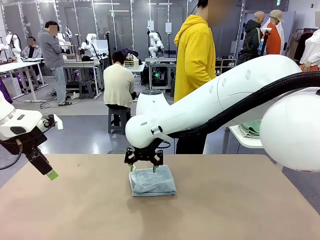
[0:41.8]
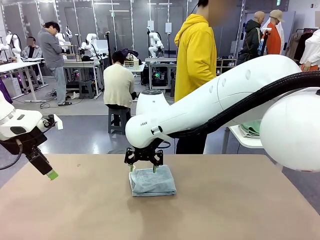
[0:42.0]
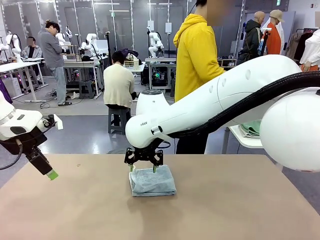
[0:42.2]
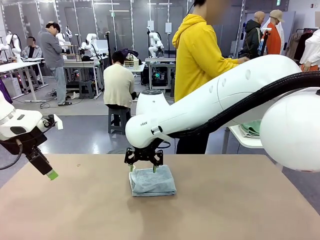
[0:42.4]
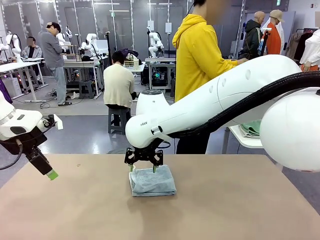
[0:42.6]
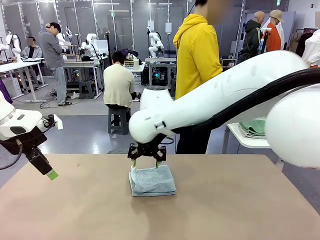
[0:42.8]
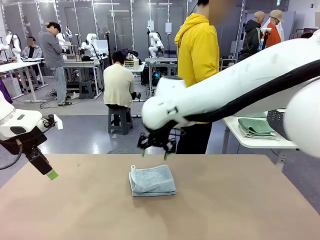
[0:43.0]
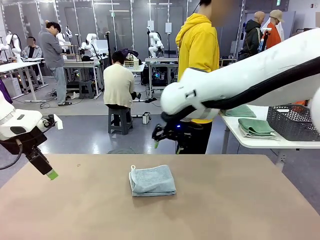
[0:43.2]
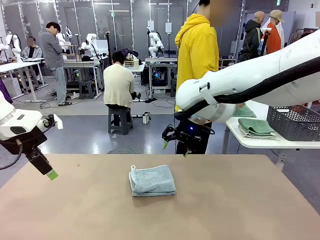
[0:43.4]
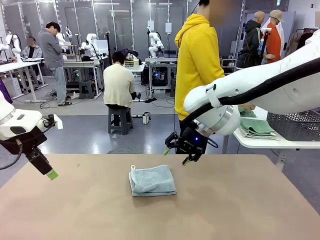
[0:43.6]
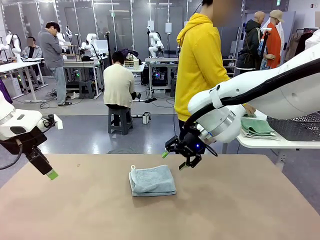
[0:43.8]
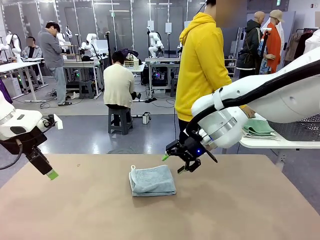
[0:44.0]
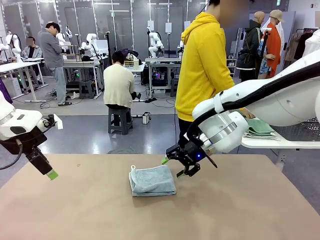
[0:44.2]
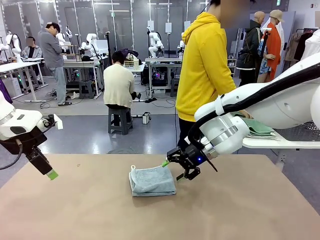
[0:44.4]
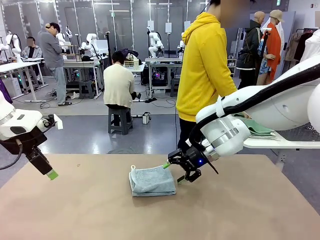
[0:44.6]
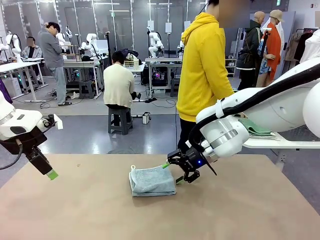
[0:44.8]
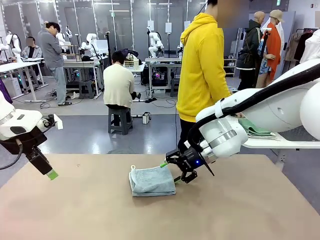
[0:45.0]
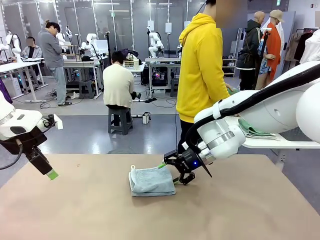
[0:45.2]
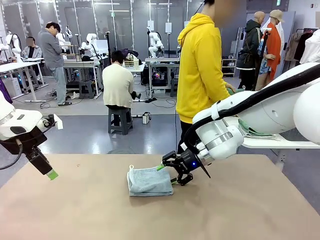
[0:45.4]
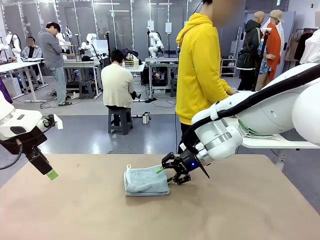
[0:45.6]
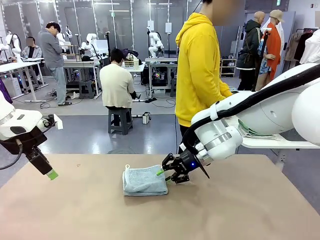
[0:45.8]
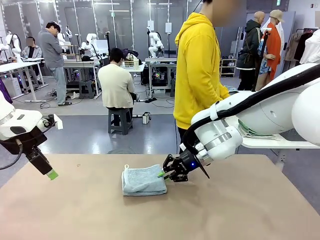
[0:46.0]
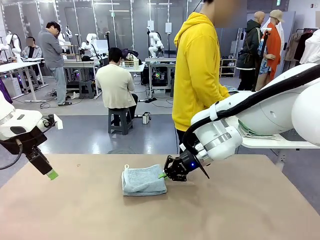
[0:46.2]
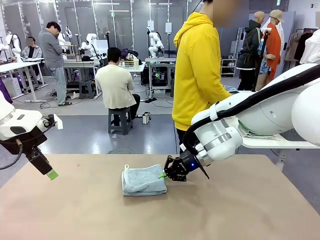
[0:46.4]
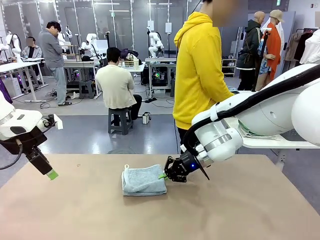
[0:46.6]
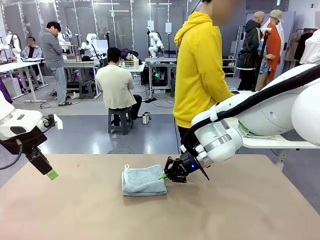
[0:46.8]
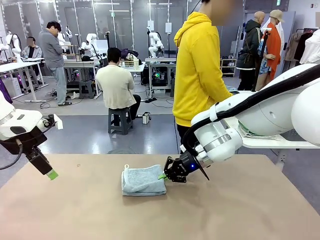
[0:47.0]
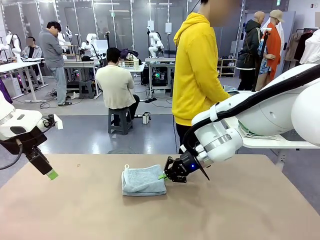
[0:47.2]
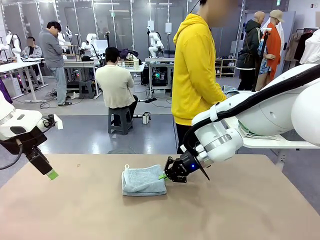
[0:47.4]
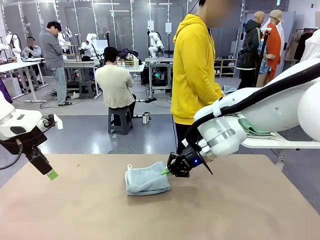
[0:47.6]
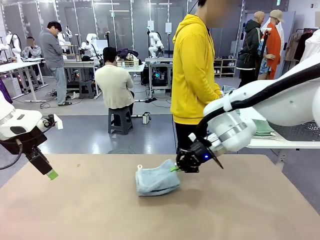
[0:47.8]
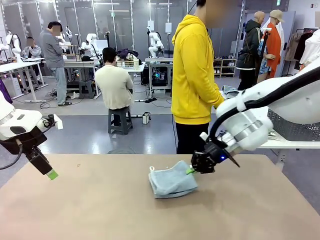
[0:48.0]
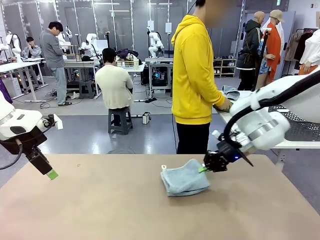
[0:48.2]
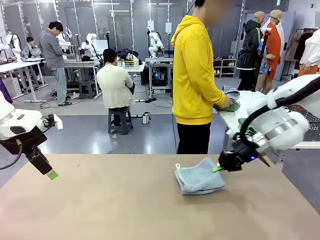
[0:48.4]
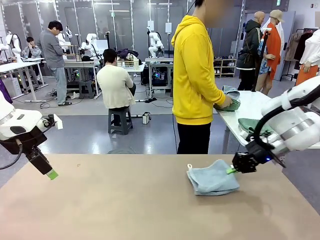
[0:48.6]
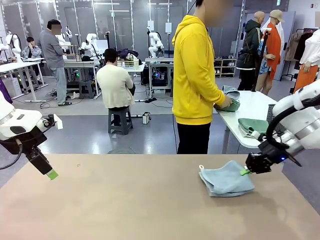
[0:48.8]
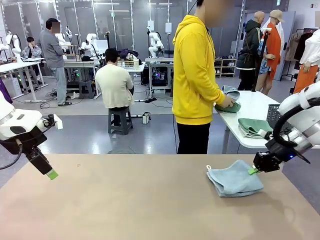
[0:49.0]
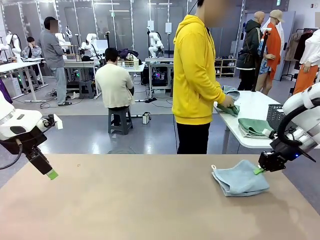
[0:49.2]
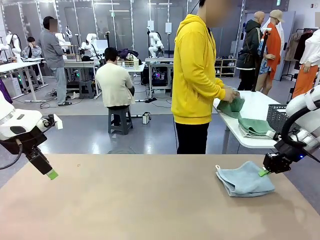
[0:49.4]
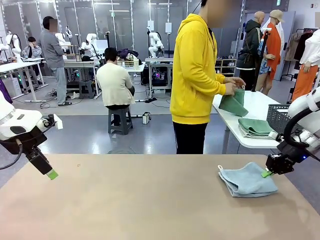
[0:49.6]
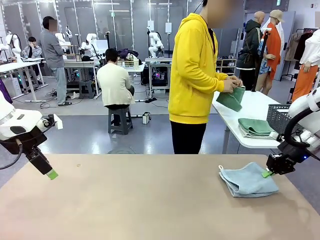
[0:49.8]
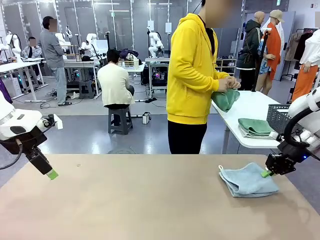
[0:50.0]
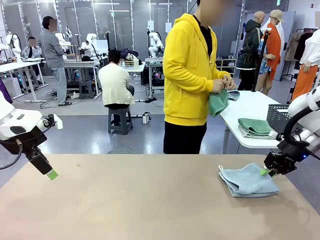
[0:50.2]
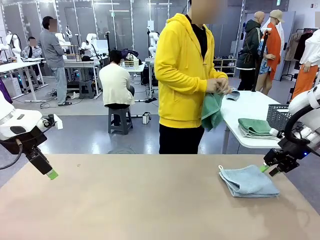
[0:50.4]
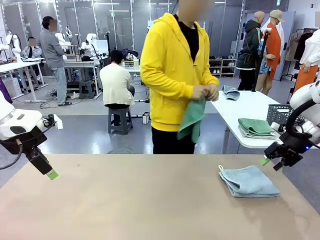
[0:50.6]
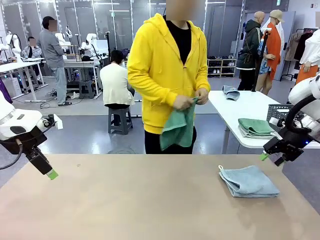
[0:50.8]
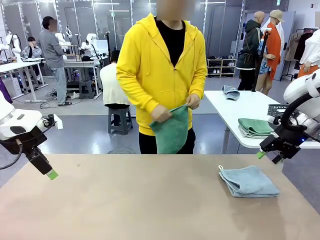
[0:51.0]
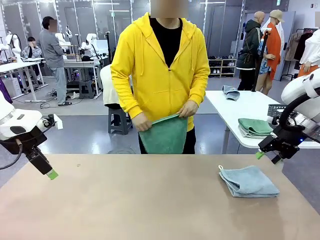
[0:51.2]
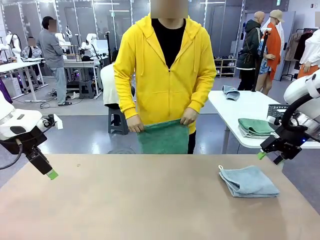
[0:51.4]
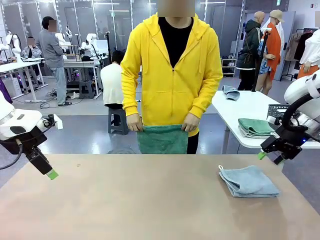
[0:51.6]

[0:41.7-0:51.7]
Task: Fold the towels and place them in the basket.
Robot: Place the folded Towel with hook on the right side of the table.
Person: Pick up one towel from the left side of the human table and spread it out at the center of the robot table.

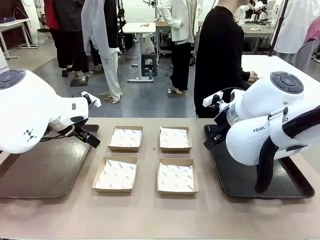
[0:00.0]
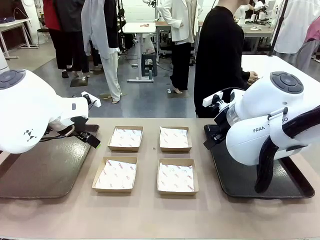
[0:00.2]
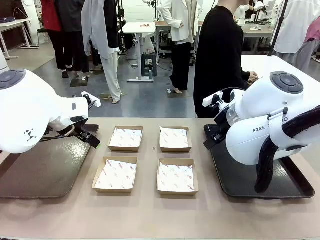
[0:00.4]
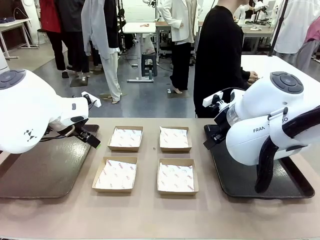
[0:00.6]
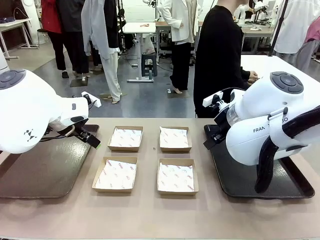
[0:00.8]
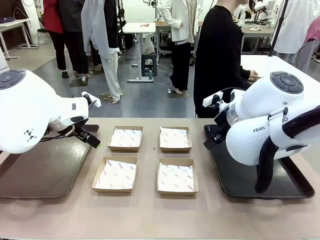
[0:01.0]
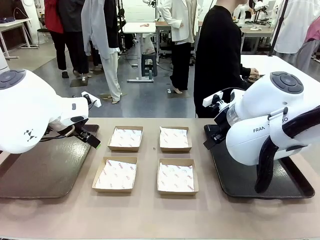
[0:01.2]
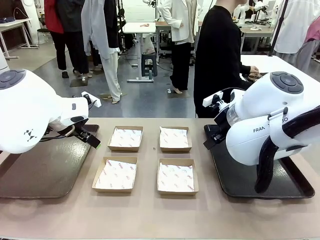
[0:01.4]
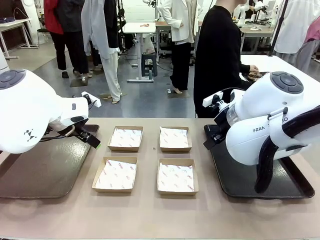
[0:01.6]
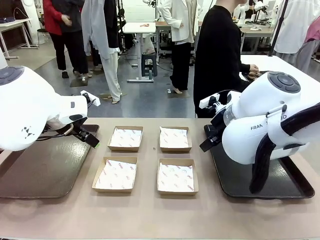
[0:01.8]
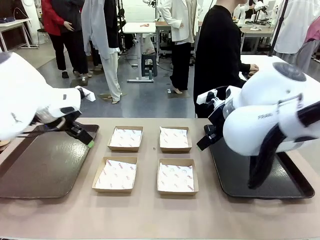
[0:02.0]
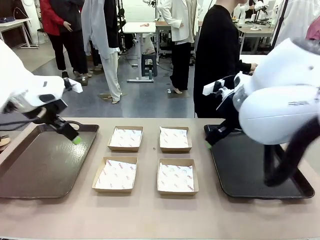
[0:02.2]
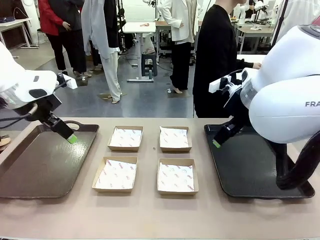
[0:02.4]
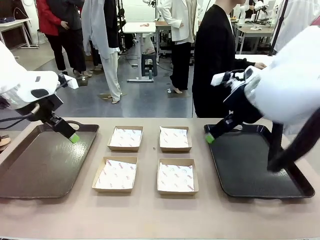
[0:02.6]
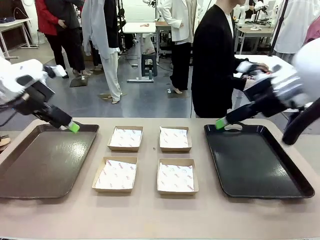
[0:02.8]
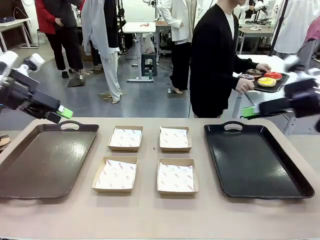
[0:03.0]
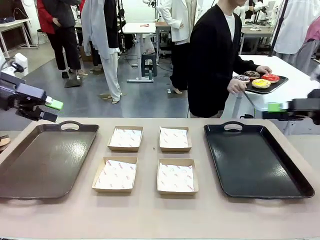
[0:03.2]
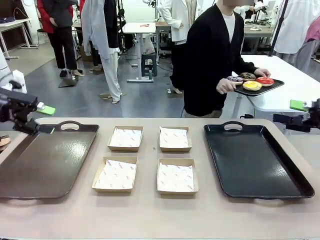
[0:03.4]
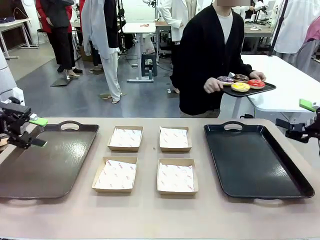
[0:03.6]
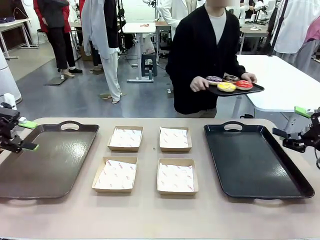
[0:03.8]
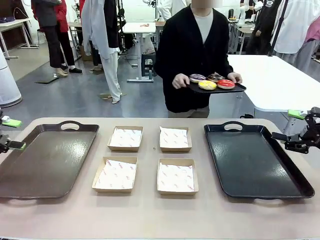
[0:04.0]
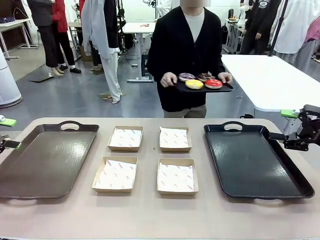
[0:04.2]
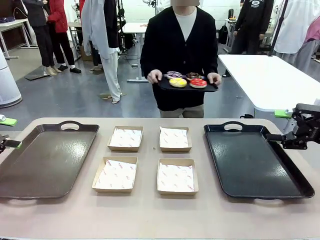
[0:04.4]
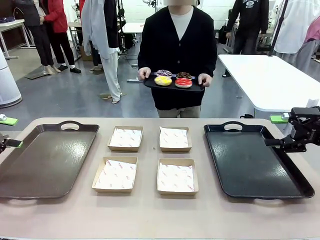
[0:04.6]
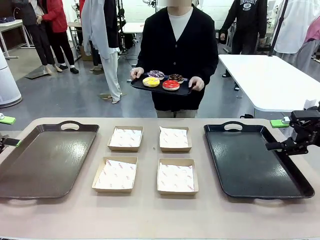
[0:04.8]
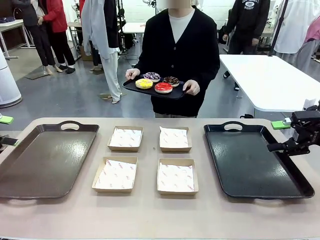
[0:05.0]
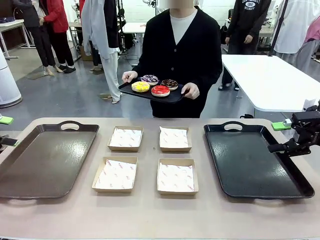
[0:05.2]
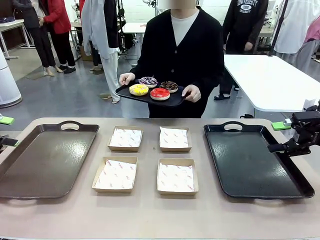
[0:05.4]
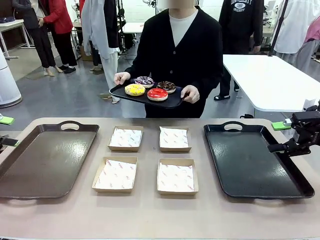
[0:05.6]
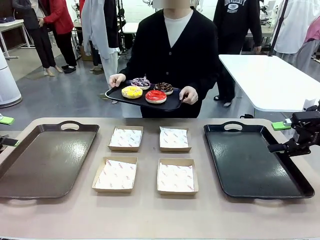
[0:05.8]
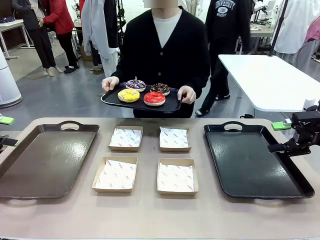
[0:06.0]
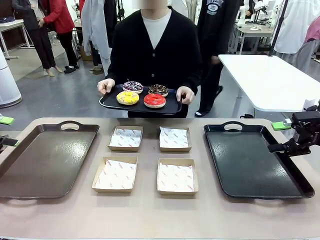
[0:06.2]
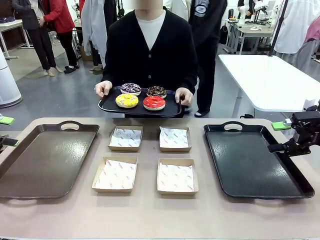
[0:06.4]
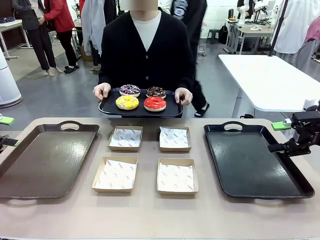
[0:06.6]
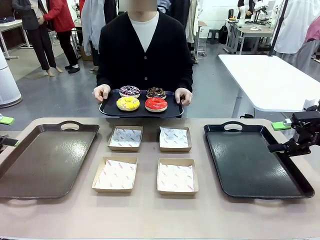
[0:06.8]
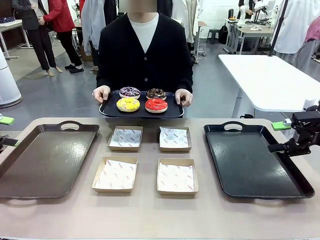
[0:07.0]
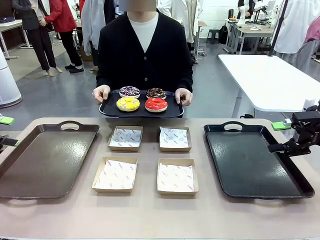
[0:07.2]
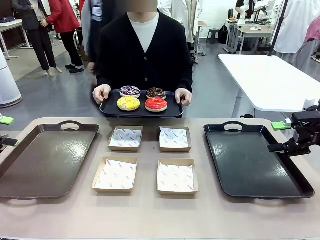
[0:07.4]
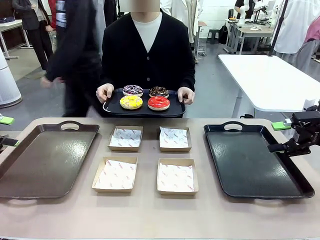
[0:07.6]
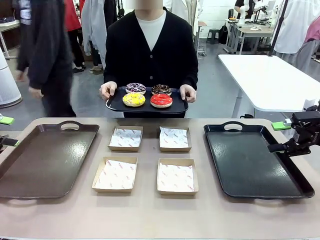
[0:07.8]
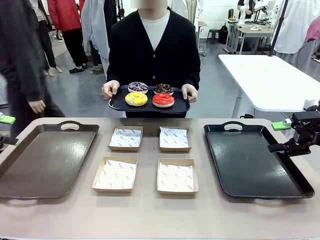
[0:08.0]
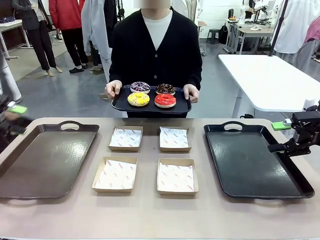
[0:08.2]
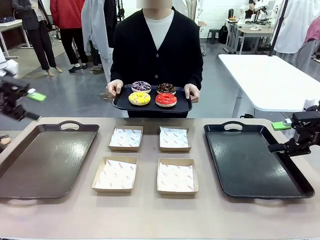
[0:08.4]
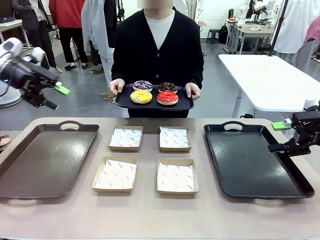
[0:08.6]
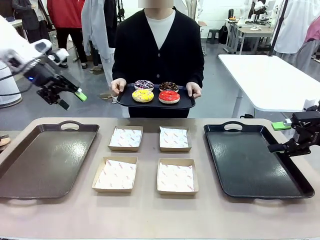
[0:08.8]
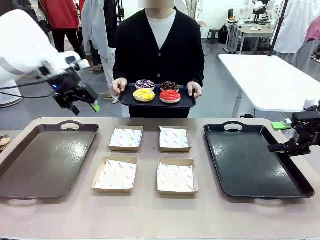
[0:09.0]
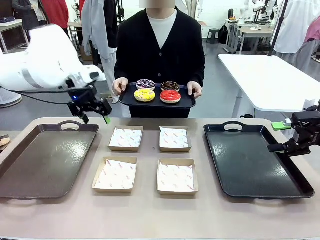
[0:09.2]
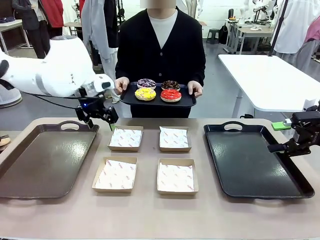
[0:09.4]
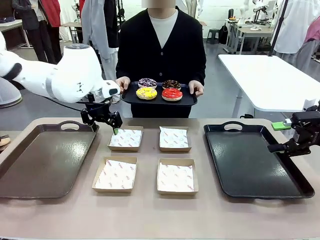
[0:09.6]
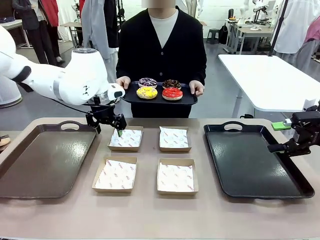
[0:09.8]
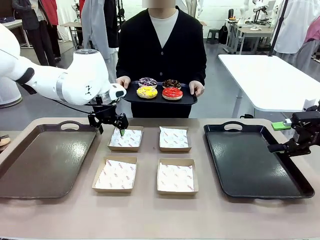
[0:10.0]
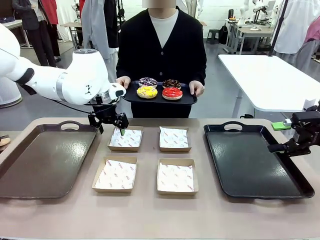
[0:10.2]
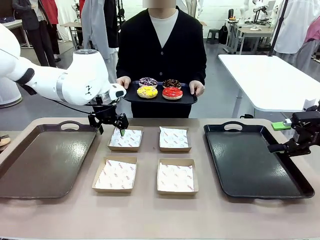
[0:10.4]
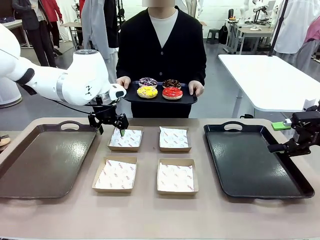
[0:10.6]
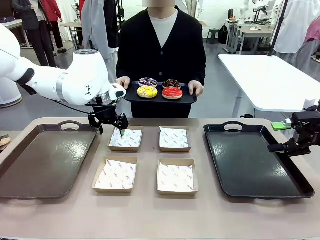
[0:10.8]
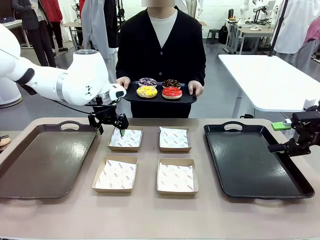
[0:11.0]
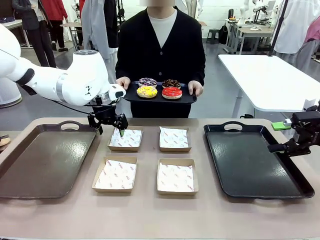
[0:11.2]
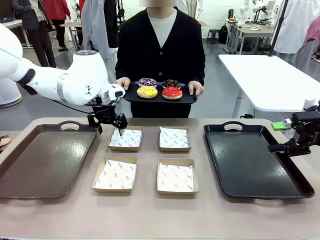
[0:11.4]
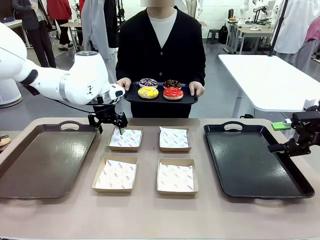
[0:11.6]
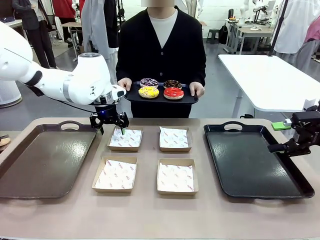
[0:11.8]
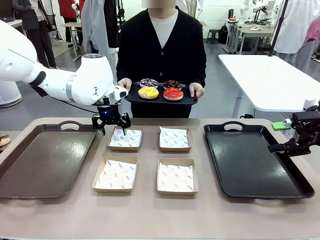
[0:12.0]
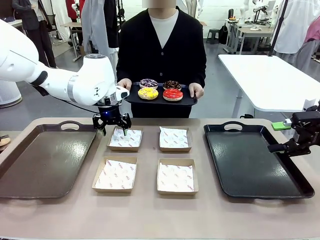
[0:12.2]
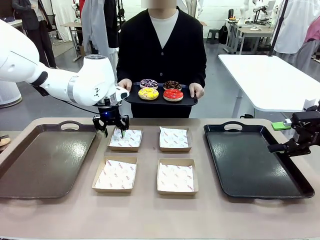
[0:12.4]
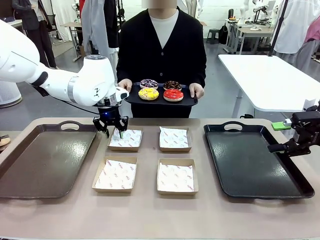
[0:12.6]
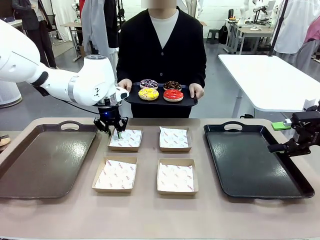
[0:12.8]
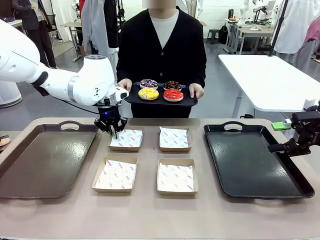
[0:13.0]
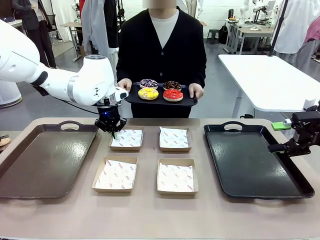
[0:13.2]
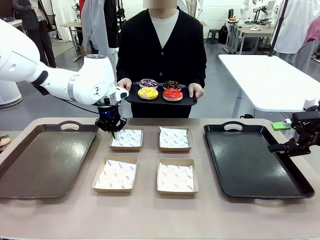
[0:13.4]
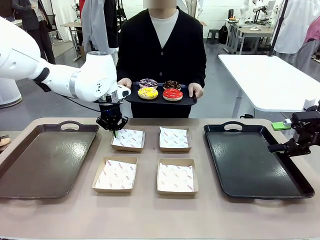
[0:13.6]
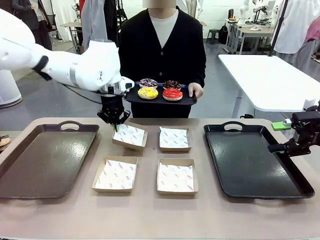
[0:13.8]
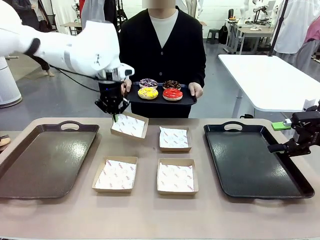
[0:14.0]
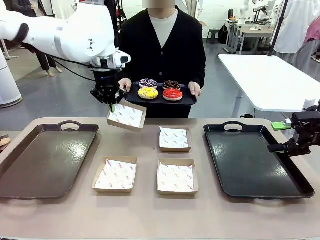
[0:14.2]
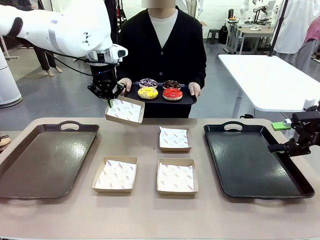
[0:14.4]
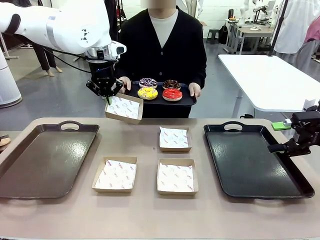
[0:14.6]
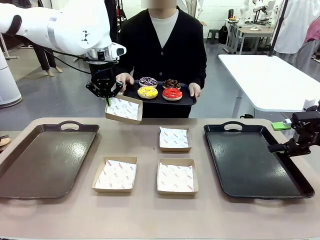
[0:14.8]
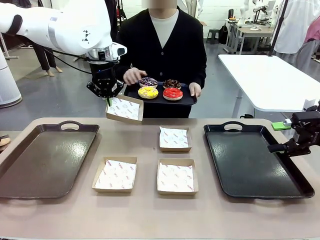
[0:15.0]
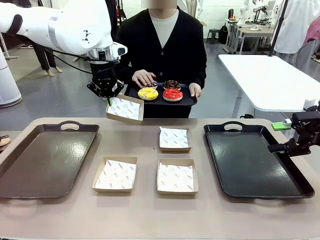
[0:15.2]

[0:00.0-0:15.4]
Task: Individually package the donuts and arrange them on the tray.
Robot: Pick up one Paper togo box.
Person: Stand in front of the robot table holding the tray containing the donuts.
